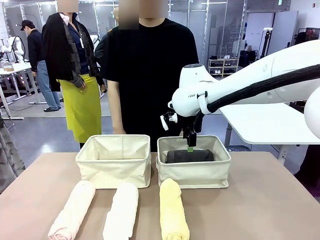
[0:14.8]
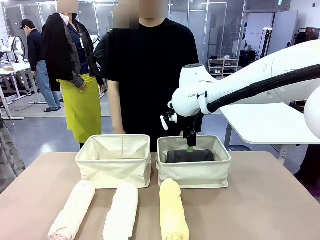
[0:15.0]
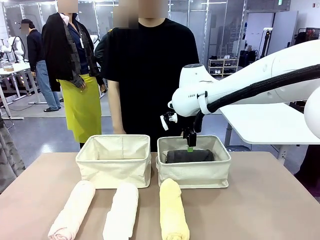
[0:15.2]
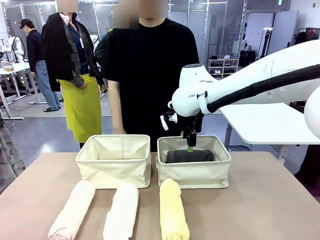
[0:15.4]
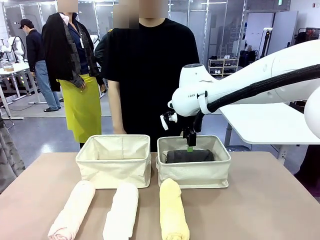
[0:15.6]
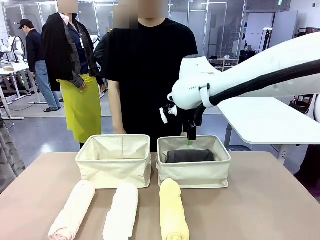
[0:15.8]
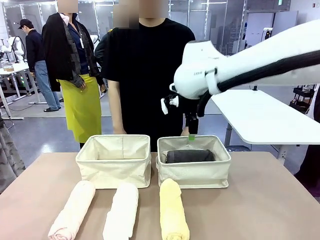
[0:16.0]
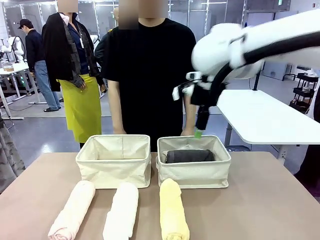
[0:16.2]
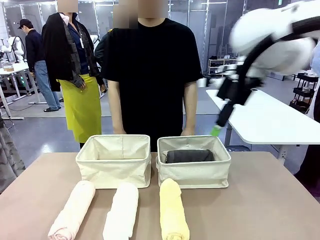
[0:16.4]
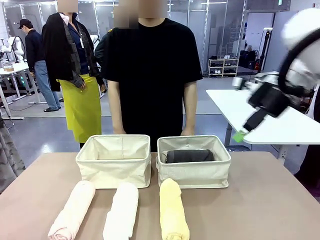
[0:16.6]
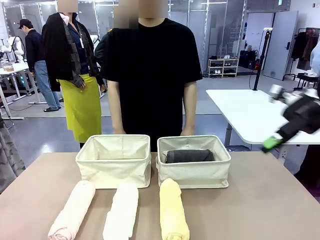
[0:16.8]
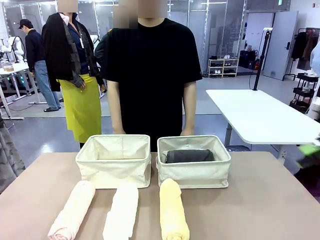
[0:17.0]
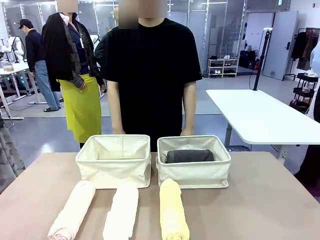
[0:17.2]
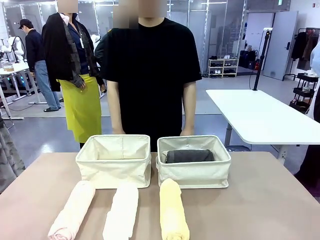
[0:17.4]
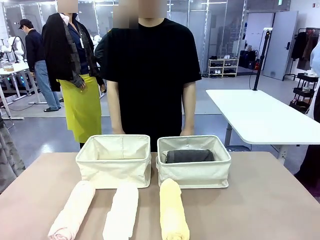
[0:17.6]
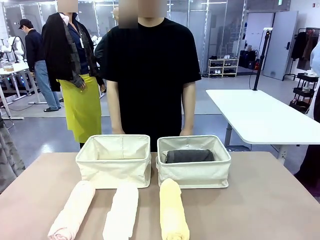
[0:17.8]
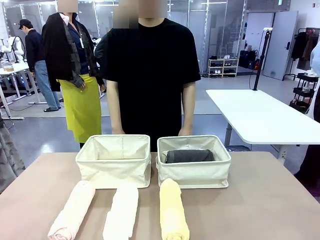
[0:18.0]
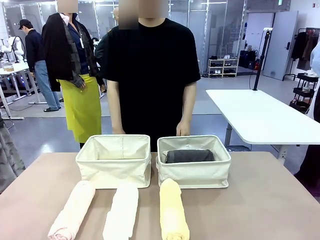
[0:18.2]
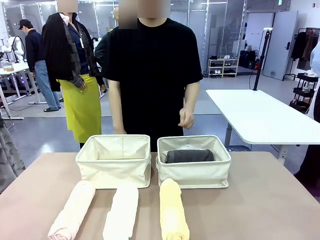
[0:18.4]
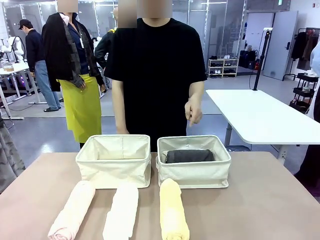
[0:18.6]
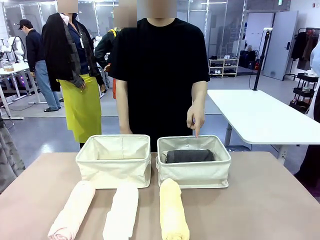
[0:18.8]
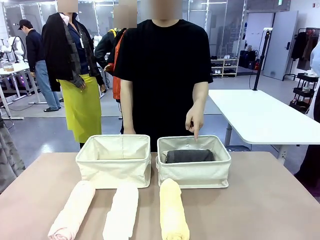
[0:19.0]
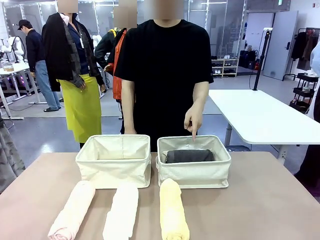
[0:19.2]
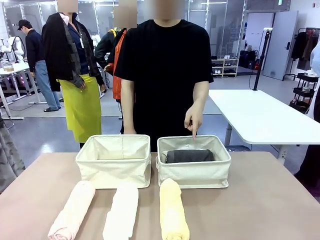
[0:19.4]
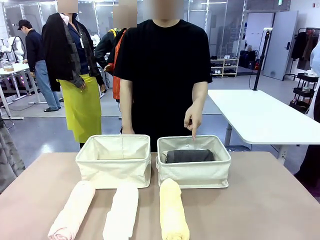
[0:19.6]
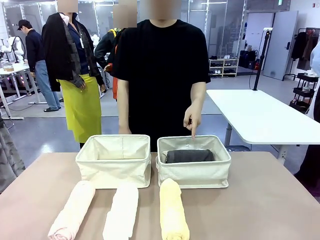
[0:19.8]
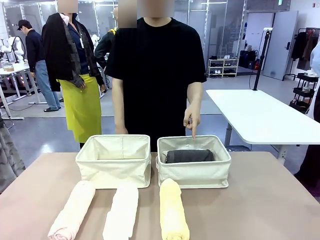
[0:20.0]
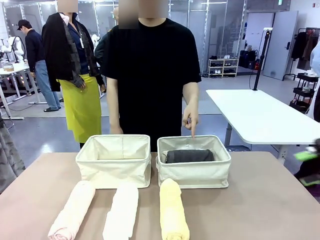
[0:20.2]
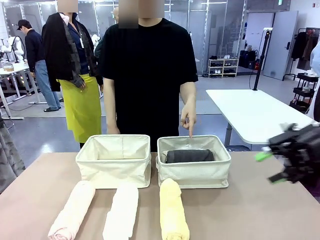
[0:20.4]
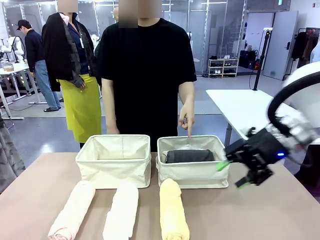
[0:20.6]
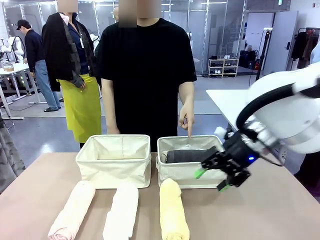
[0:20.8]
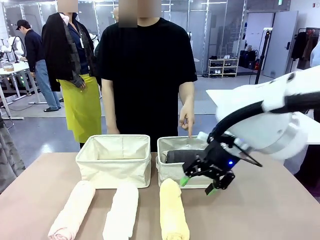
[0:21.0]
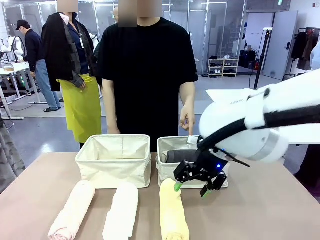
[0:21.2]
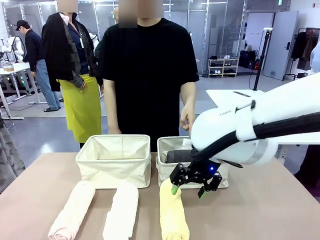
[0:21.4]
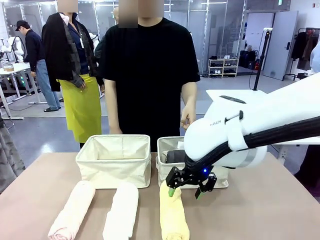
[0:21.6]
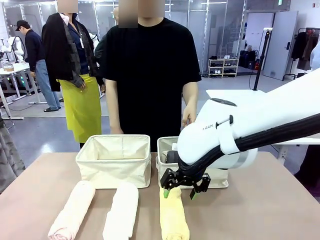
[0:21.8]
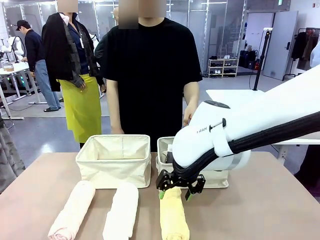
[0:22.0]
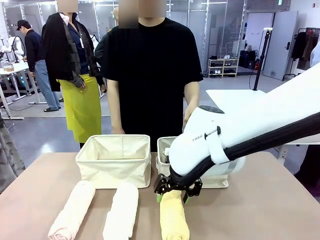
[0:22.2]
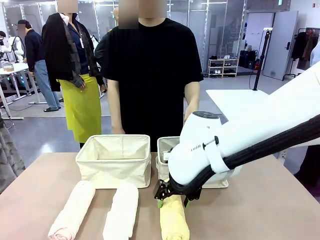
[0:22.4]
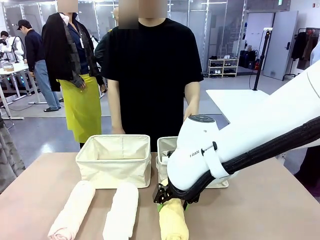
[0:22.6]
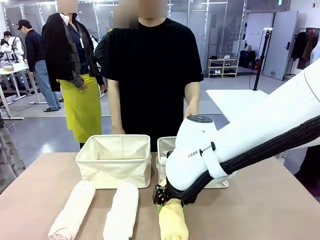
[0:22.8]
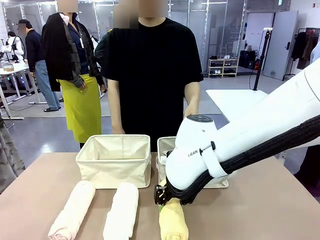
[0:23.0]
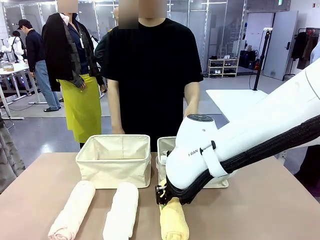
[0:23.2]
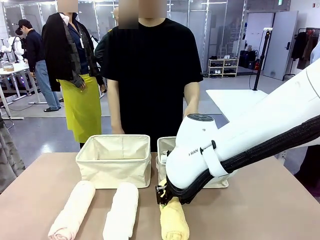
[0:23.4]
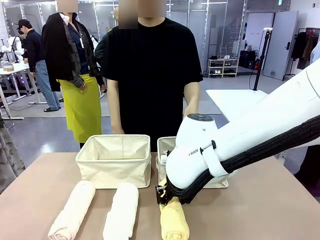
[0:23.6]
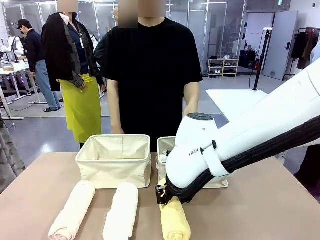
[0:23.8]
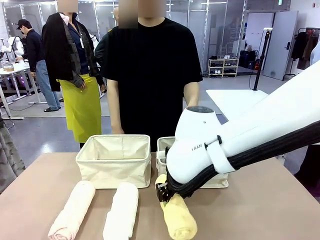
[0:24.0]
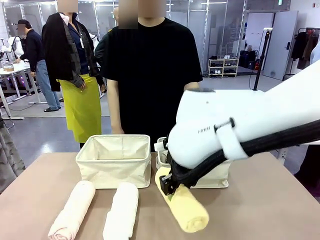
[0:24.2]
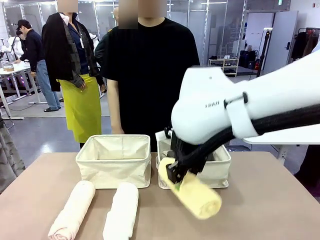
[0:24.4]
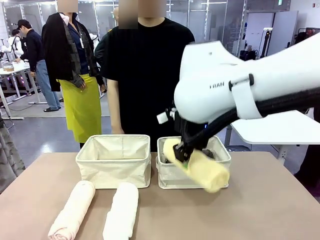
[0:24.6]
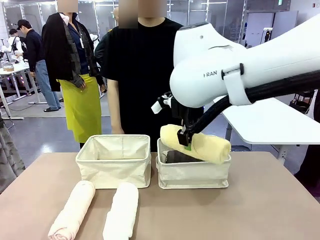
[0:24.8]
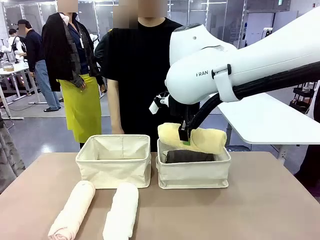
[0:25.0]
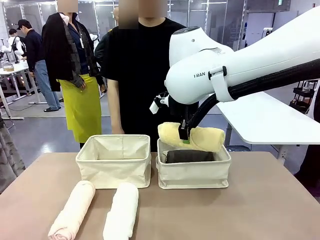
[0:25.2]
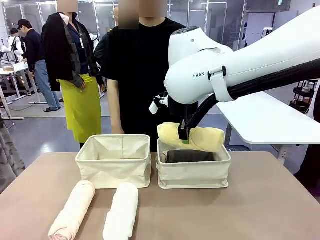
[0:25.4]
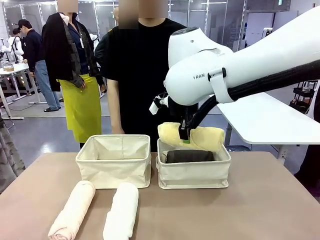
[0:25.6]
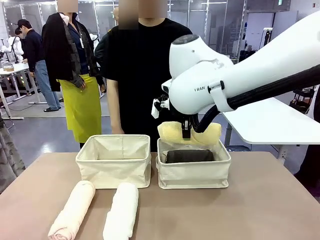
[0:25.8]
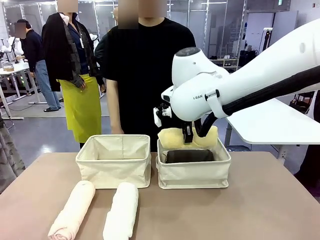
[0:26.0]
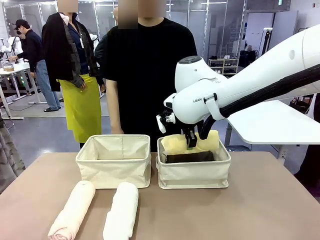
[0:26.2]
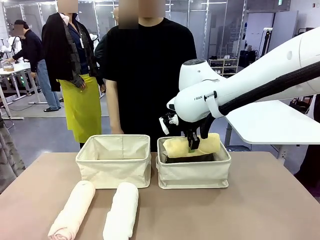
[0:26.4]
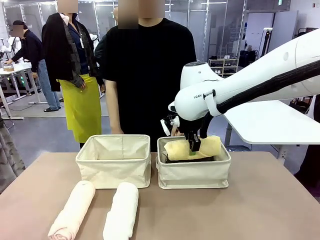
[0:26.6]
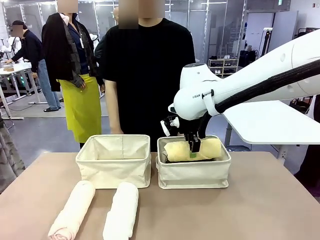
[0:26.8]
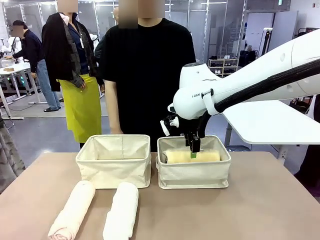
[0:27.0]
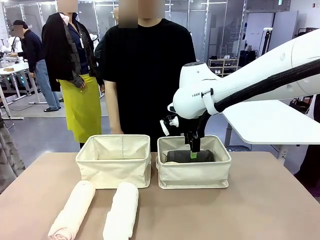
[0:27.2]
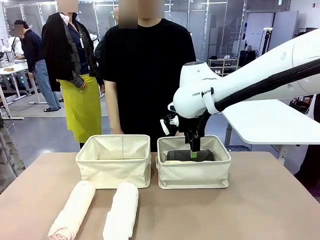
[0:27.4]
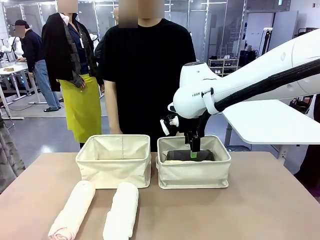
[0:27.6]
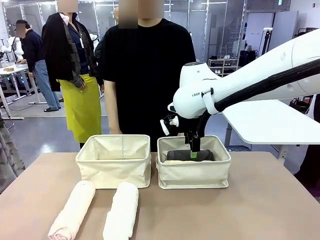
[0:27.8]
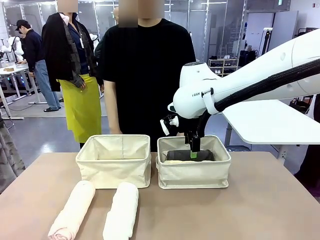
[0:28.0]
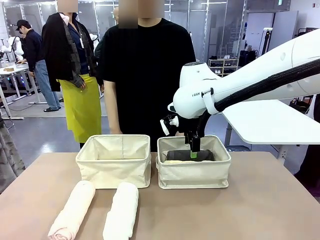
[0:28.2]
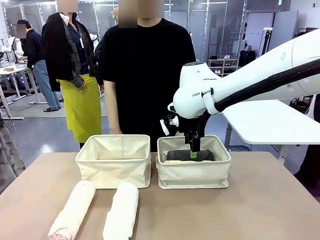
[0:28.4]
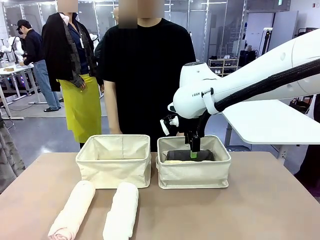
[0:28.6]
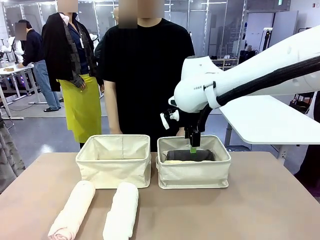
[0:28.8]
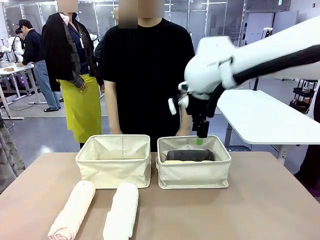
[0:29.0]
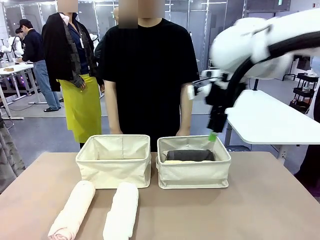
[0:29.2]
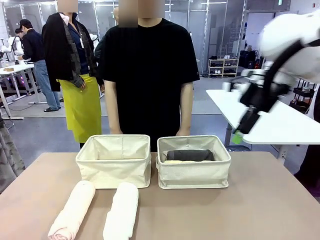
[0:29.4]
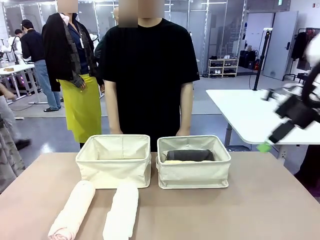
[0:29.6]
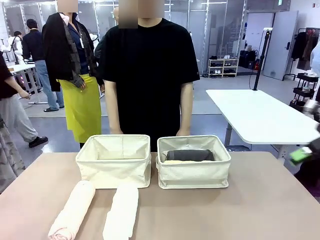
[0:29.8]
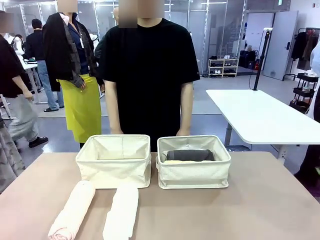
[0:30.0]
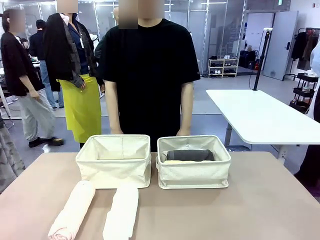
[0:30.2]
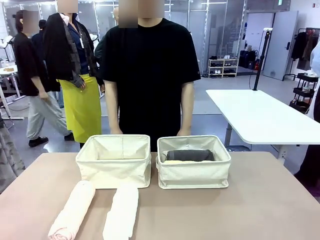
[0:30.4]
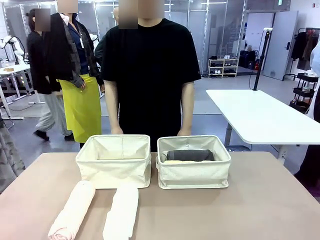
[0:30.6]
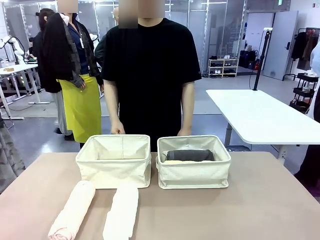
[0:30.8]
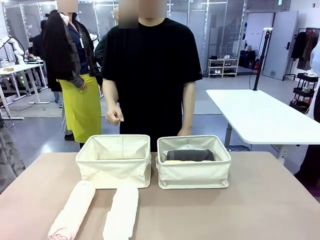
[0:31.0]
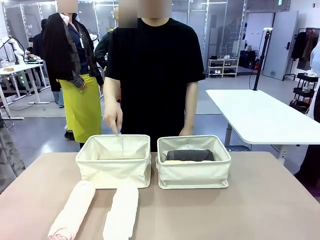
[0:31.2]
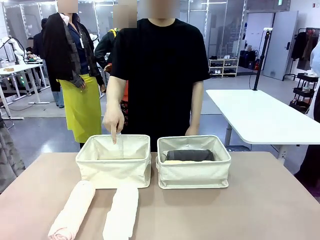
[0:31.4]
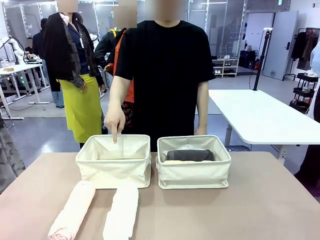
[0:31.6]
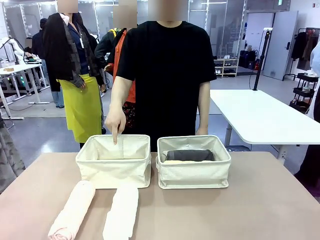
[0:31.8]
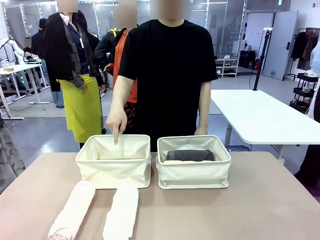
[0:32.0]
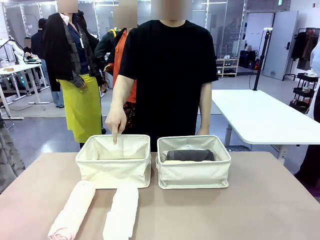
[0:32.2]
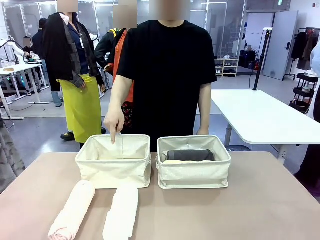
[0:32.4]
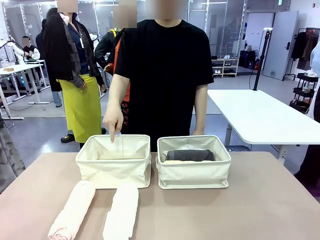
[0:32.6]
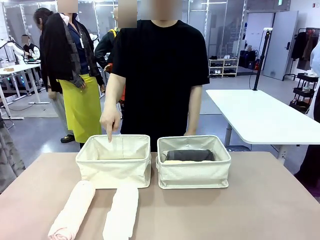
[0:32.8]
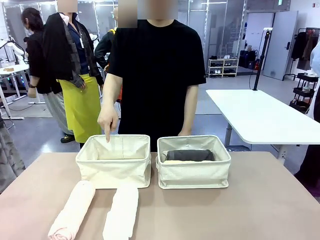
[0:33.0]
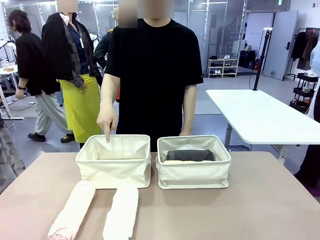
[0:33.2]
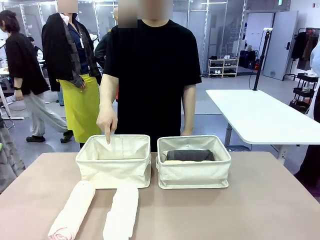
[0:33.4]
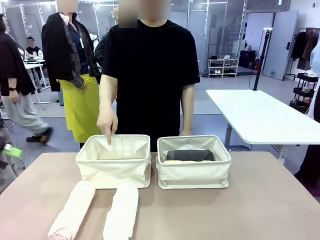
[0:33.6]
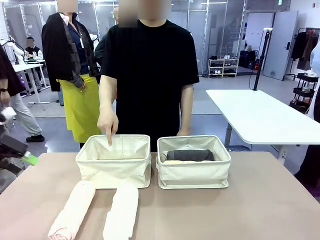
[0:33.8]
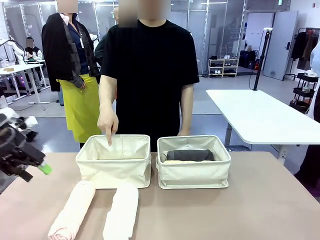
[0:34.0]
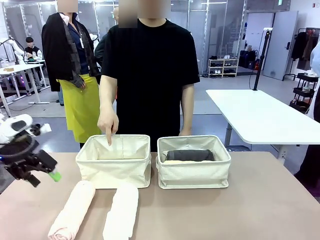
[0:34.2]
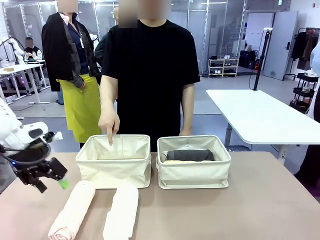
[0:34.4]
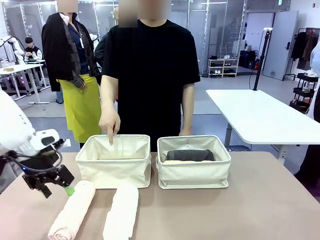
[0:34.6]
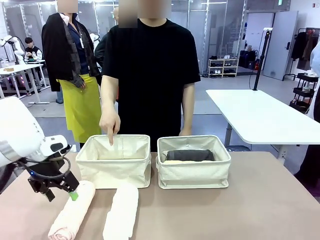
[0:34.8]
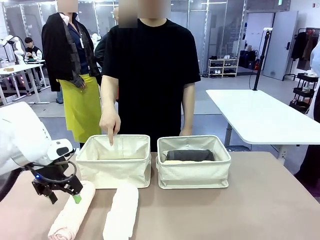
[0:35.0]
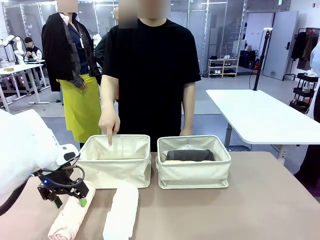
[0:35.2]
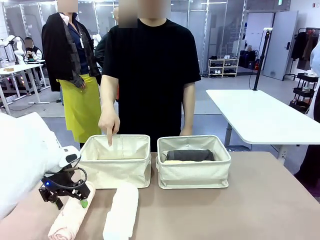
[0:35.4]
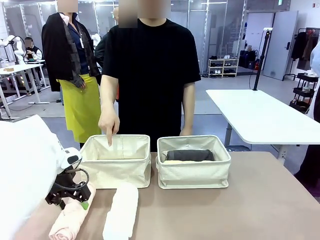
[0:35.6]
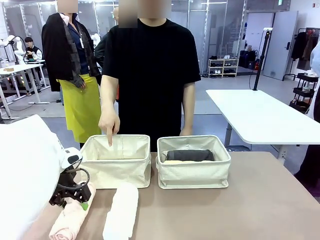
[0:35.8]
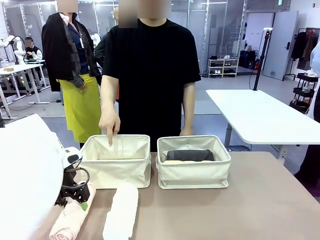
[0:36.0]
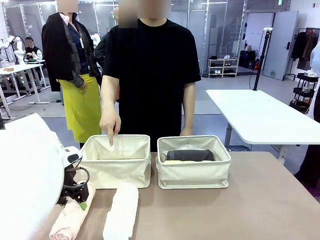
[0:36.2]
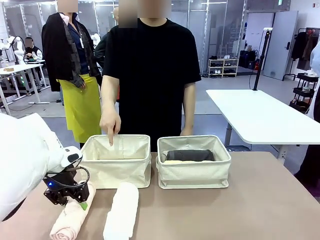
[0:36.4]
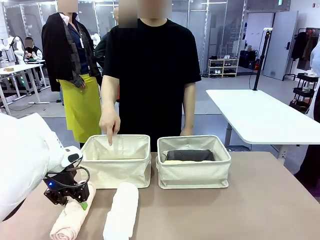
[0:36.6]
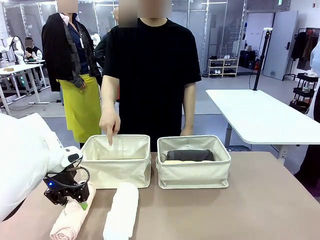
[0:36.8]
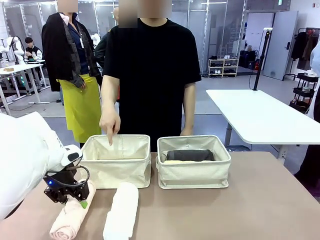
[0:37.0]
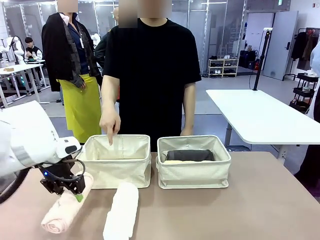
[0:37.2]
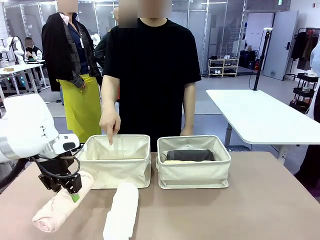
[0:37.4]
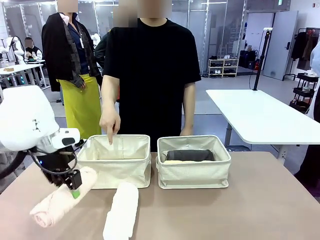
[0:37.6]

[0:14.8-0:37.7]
Task: Divide the towels into two baskets.
Robot: Pick up one hotel-folded towel from the bottom of the table and place it in the Fabric basket indicated by the person.
